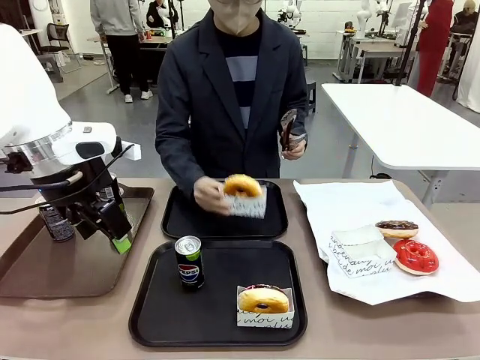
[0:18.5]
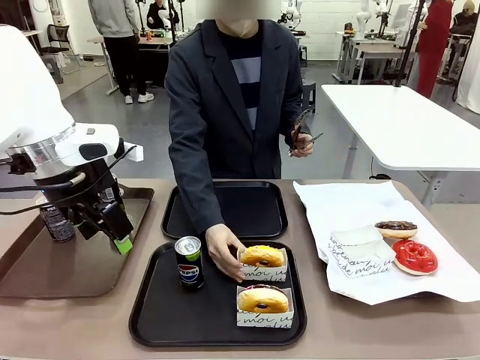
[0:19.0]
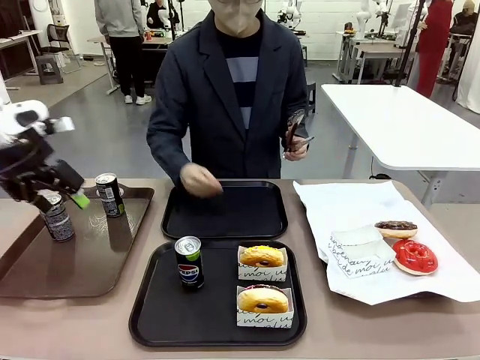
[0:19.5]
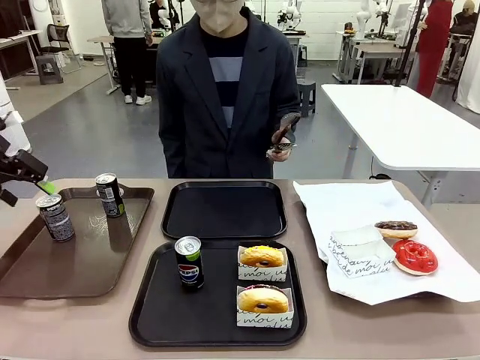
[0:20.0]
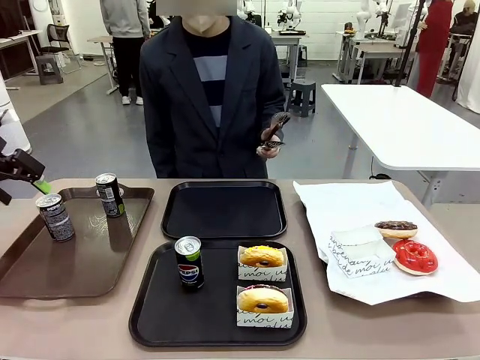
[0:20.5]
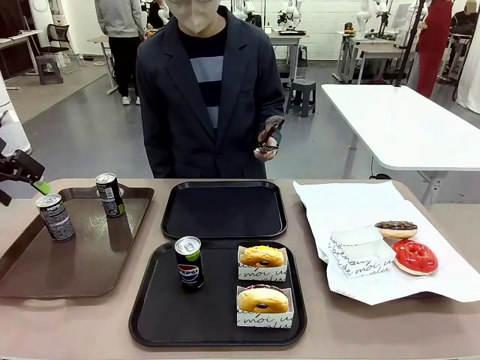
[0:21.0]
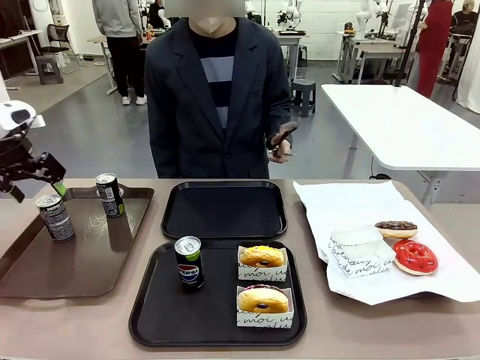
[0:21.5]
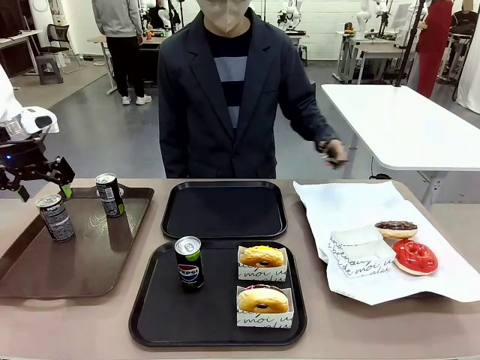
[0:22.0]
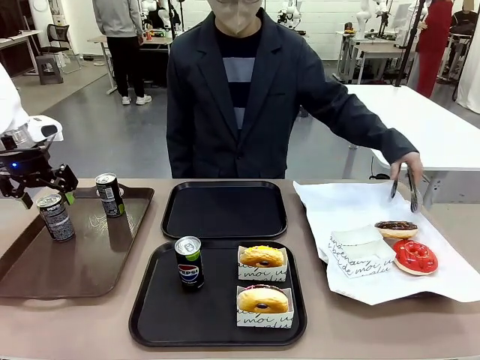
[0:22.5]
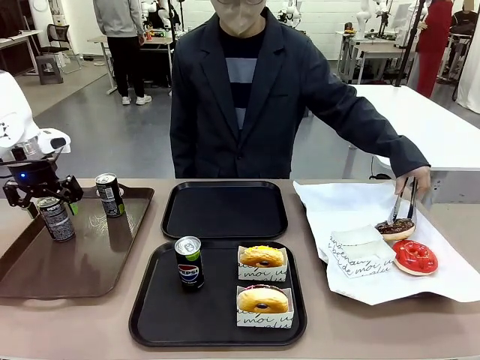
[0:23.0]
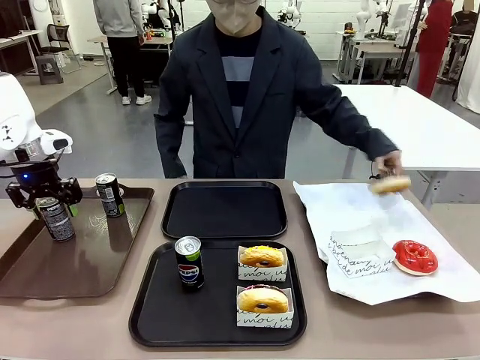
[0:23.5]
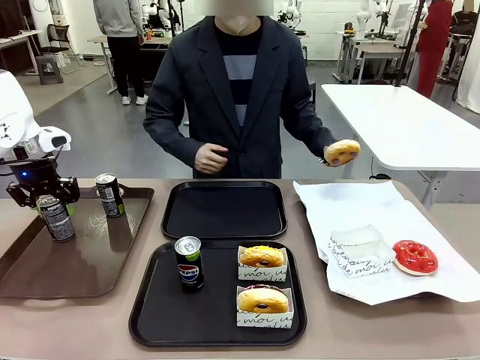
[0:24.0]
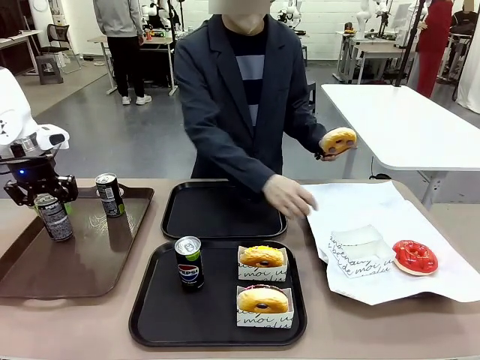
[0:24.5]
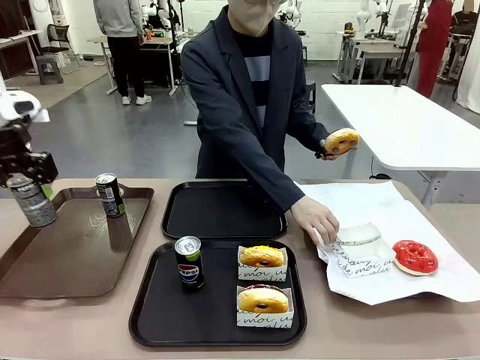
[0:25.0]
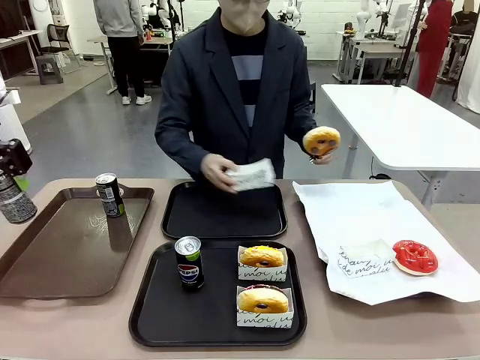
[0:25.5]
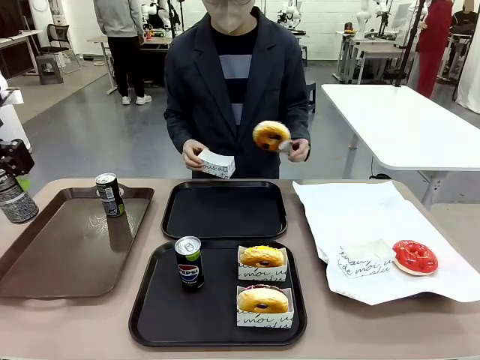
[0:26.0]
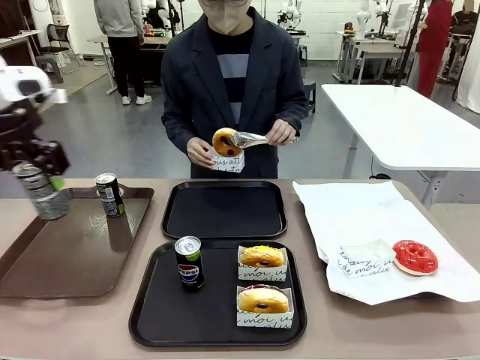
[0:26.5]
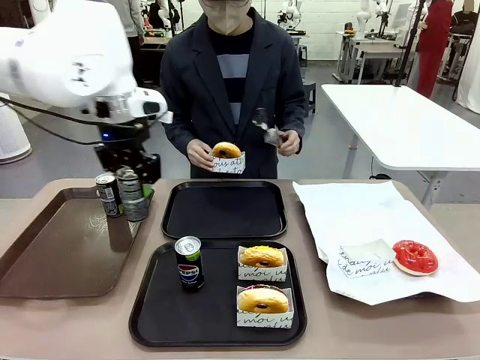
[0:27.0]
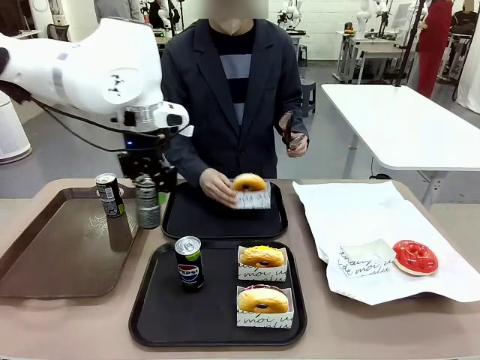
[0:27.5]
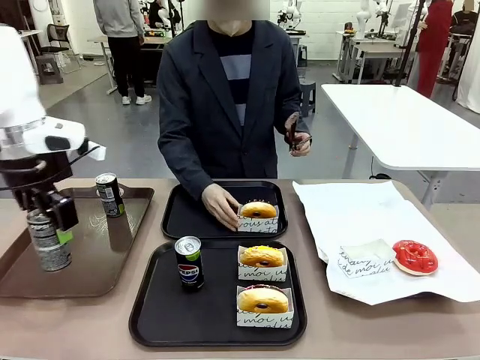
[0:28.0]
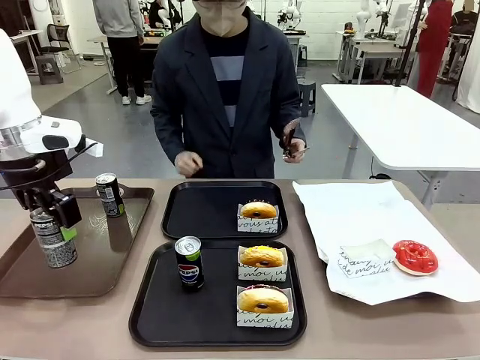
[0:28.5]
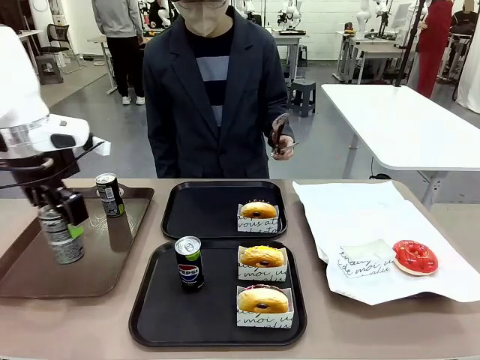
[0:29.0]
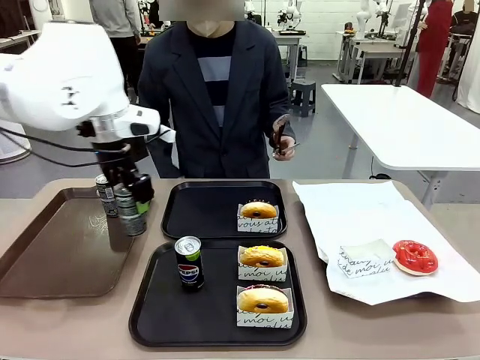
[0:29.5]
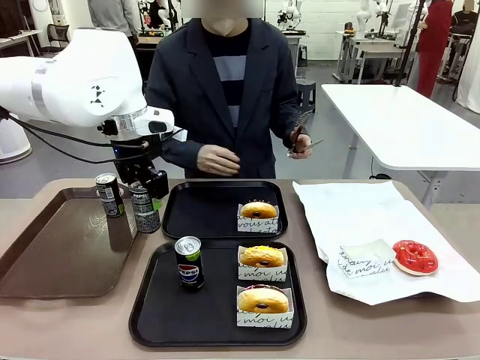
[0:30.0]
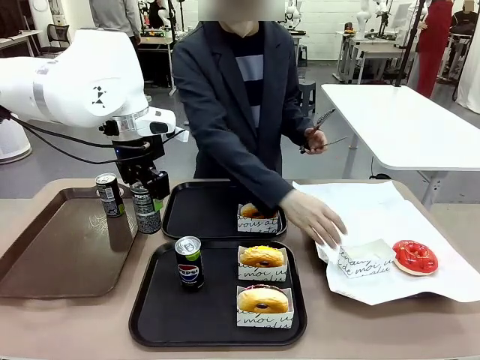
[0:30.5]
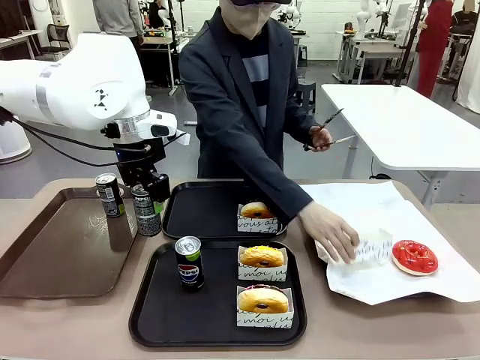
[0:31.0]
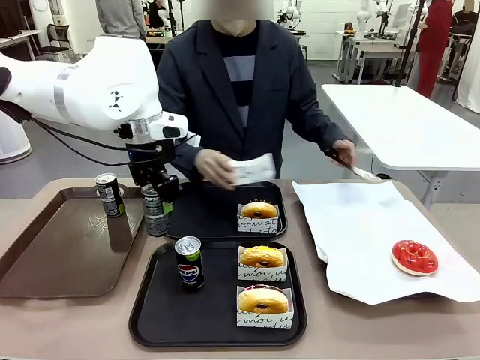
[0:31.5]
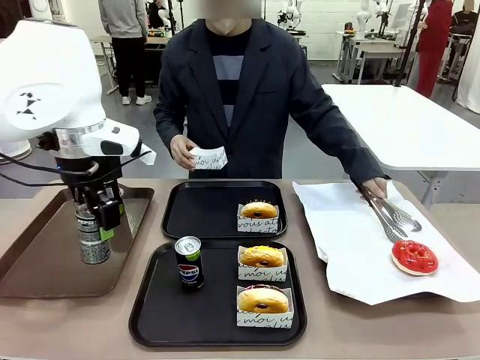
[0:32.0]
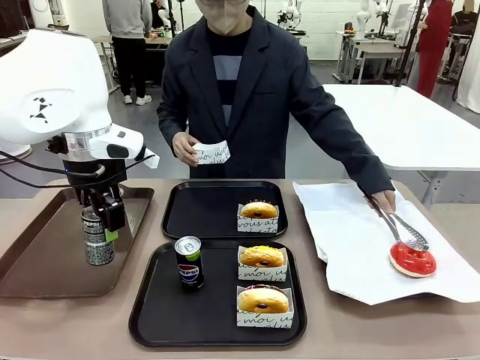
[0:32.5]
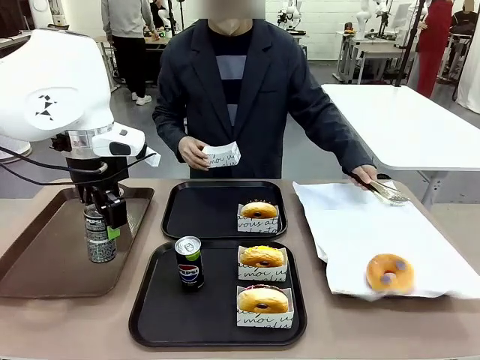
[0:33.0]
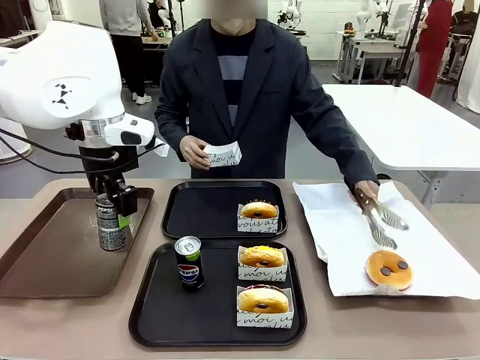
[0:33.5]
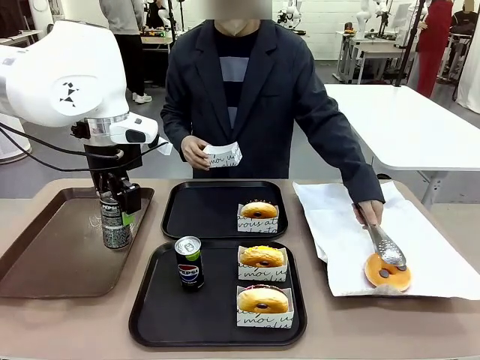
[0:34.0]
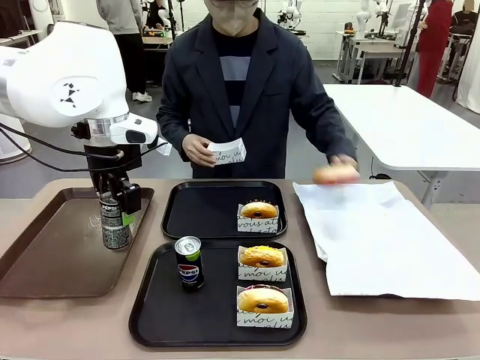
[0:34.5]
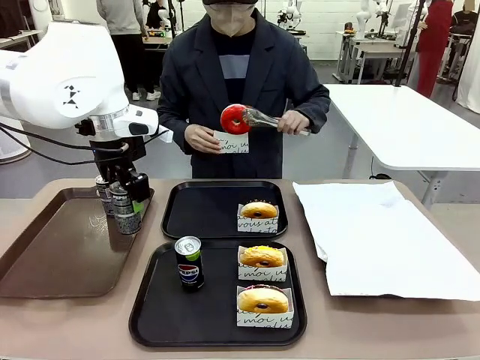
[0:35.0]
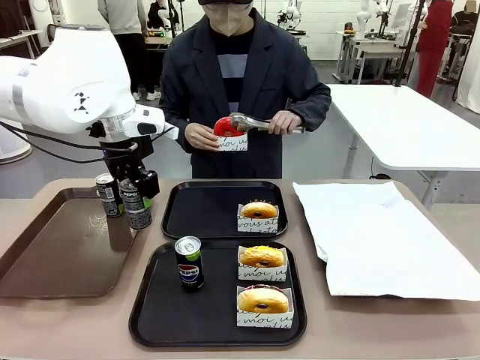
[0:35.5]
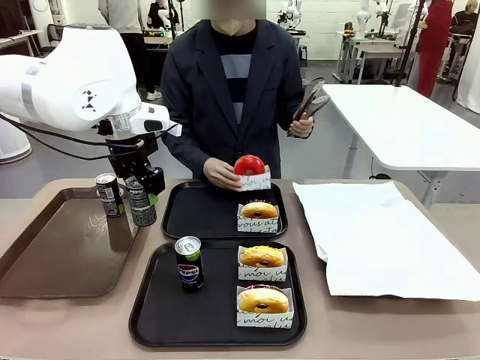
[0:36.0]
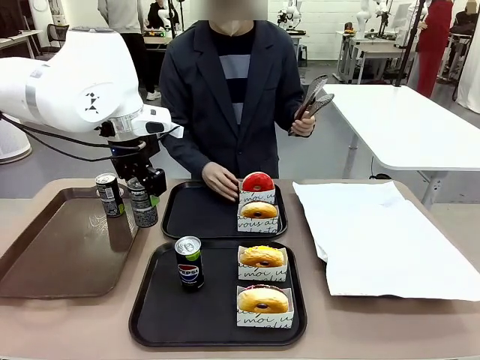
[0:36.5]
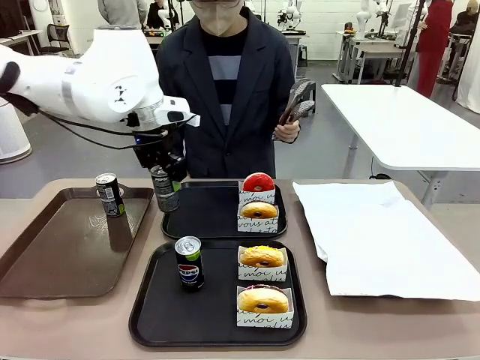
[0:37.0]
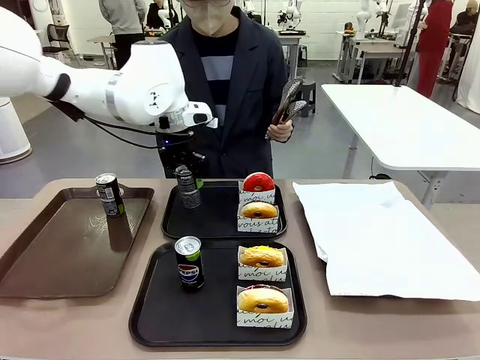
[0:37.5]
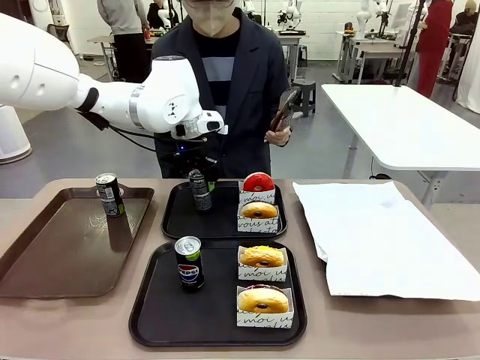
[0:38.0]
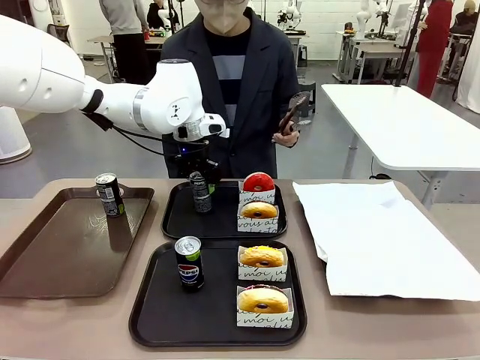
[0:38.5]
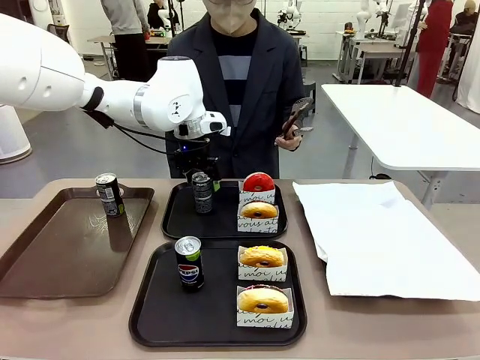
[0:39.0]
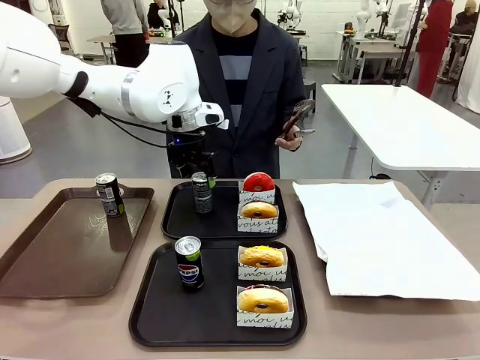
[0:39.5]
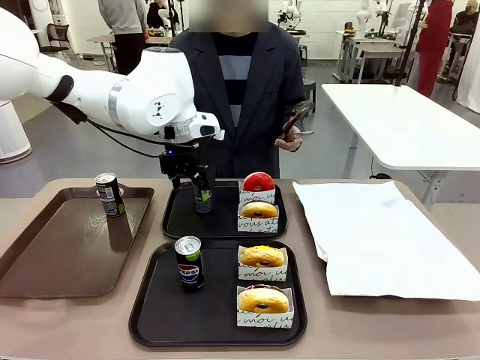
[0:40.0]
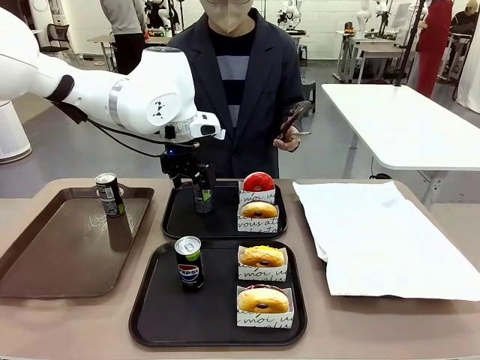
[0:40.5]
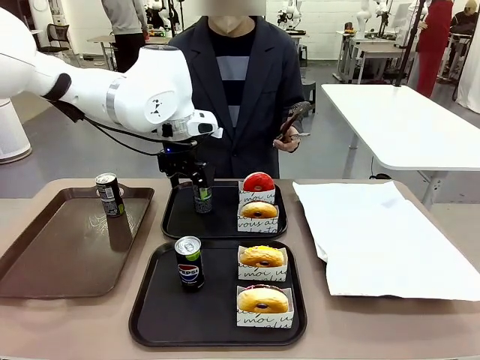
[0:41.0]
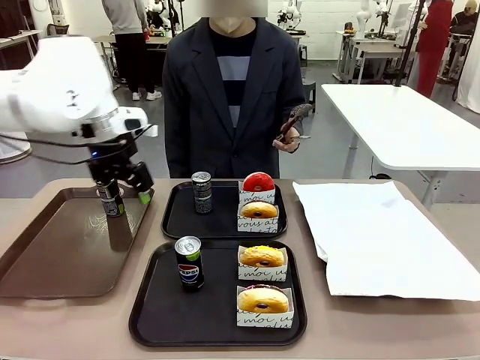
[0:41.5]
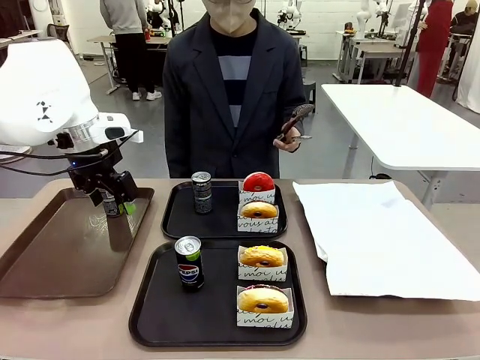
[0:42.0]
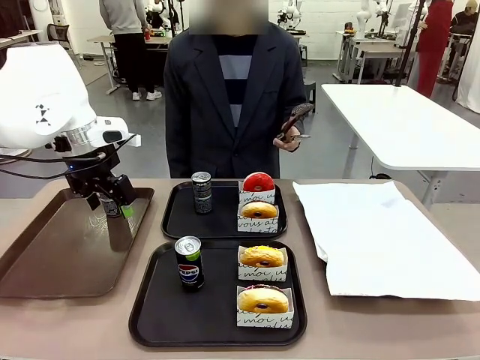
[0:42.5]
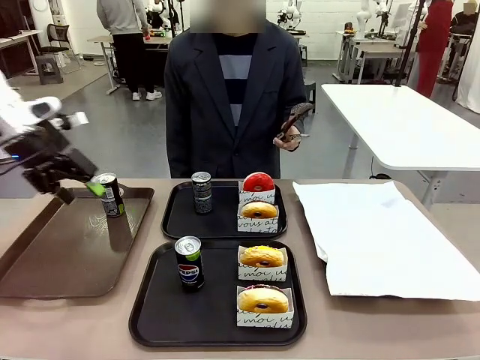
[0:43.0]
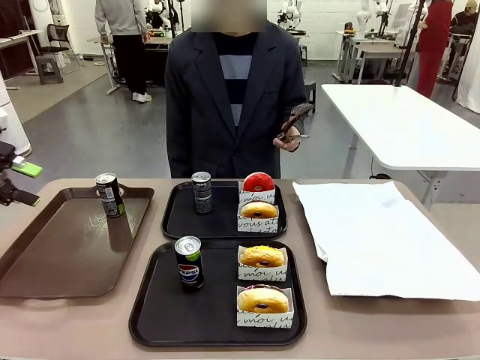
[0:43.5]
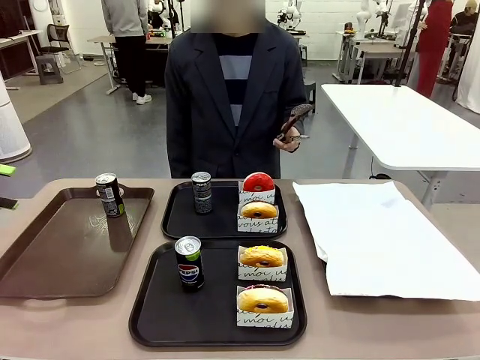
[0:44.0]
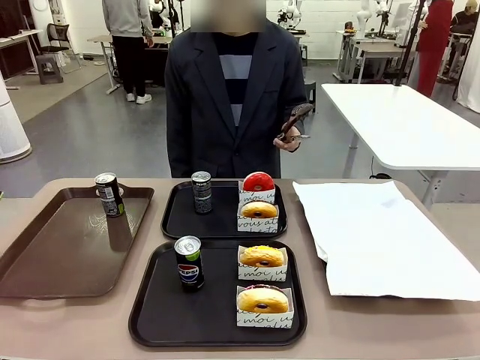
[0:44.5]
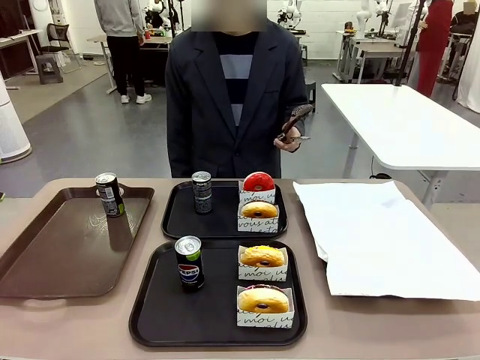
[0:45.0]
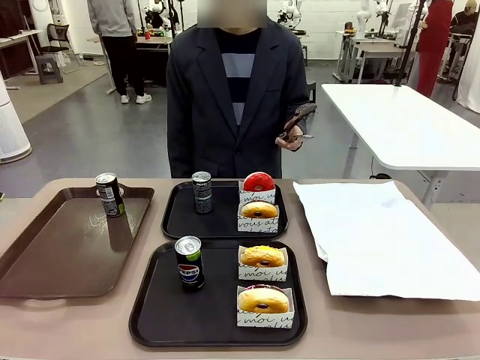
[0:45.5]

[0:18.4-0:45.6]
Task: Set up donuts and drinks on trays.
Robot: Pick up one Pepsi coke from the Handle tray and place it on the Flat Tray without a Pepsi coke.
Person: Pick up one donut with tongs, place it in the donut tray, and then place the donut tray on the flat tray.
